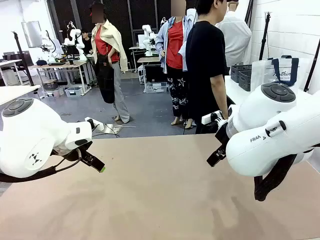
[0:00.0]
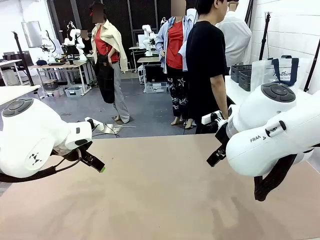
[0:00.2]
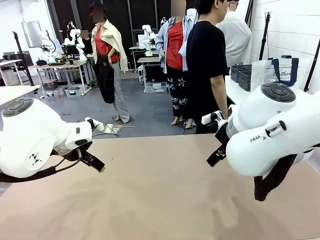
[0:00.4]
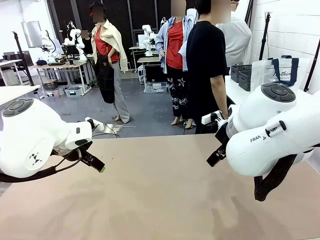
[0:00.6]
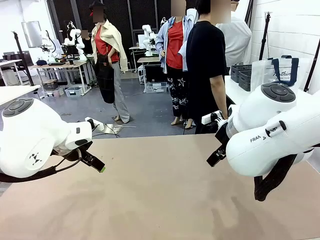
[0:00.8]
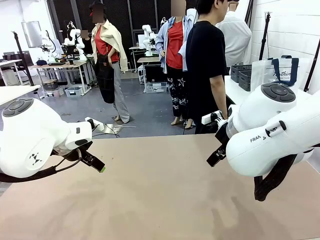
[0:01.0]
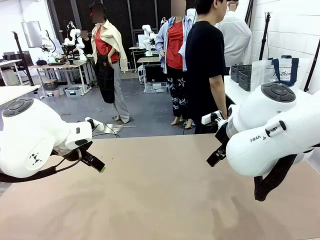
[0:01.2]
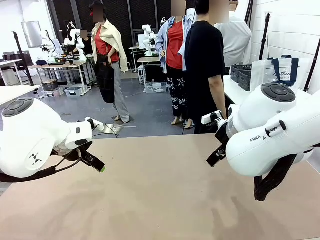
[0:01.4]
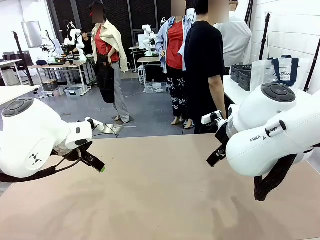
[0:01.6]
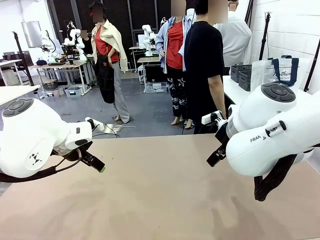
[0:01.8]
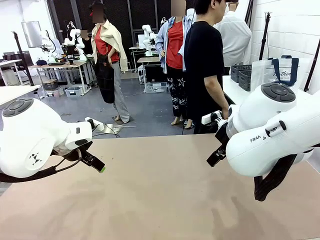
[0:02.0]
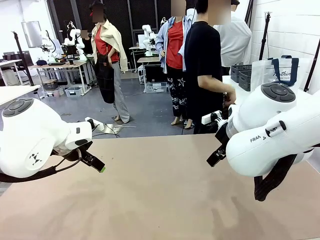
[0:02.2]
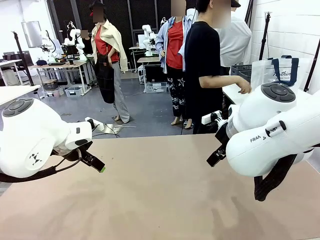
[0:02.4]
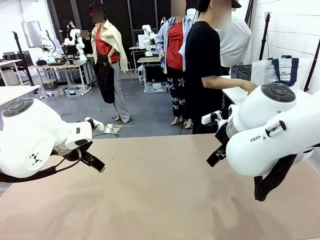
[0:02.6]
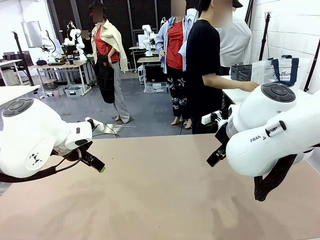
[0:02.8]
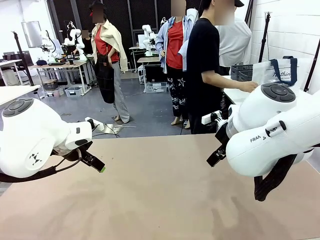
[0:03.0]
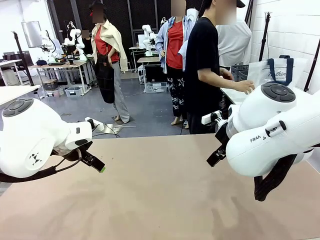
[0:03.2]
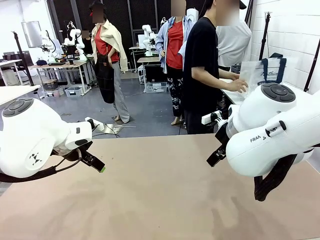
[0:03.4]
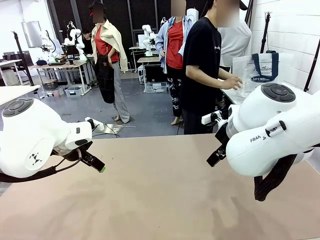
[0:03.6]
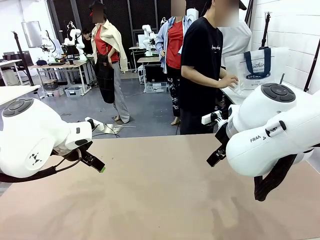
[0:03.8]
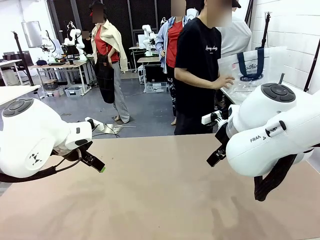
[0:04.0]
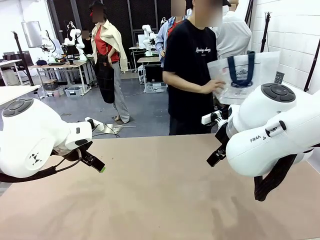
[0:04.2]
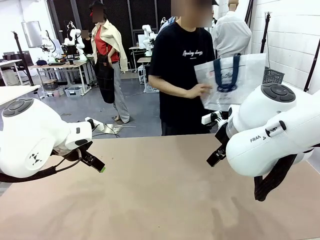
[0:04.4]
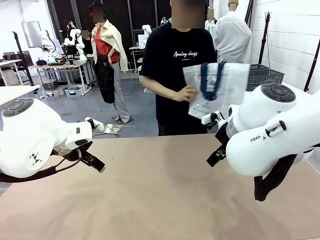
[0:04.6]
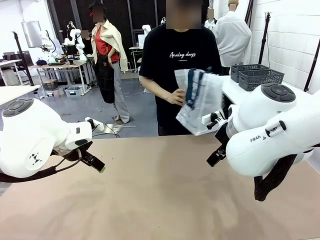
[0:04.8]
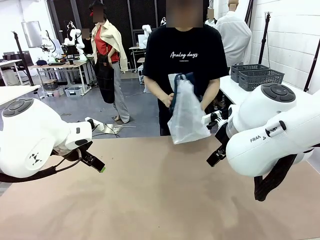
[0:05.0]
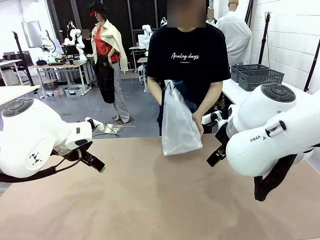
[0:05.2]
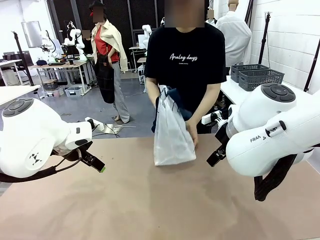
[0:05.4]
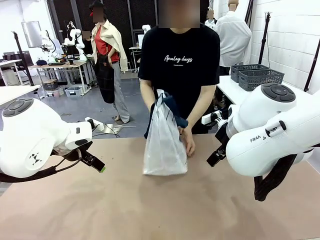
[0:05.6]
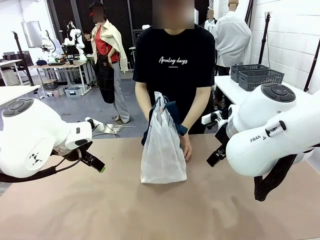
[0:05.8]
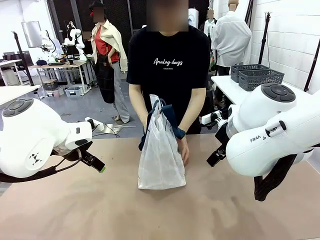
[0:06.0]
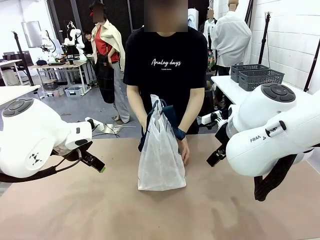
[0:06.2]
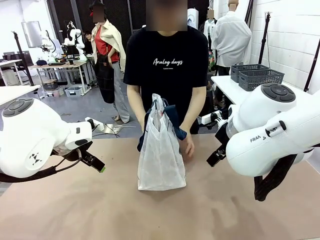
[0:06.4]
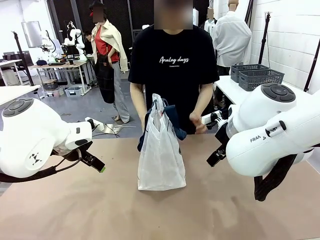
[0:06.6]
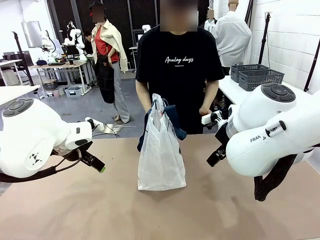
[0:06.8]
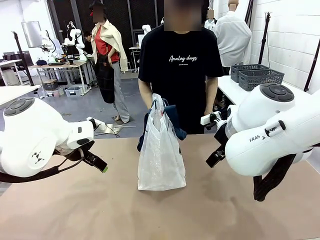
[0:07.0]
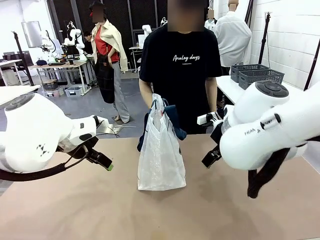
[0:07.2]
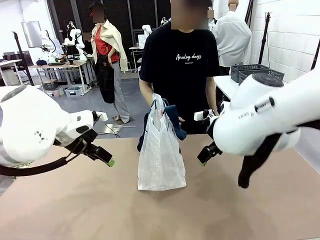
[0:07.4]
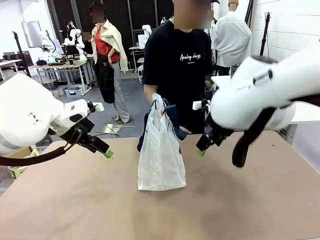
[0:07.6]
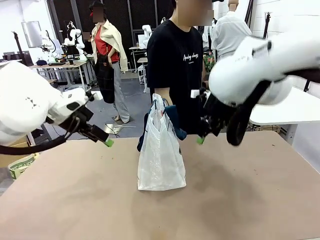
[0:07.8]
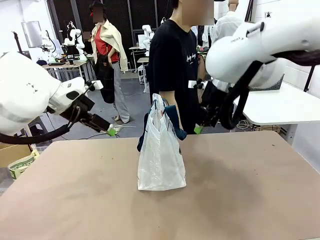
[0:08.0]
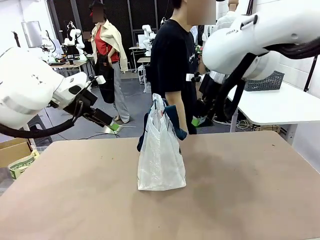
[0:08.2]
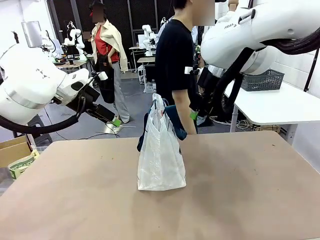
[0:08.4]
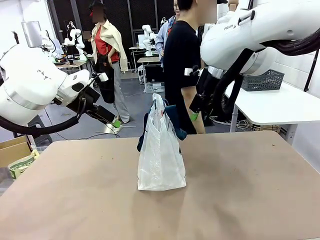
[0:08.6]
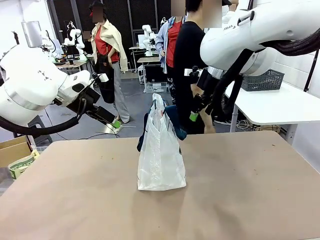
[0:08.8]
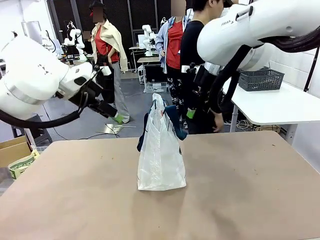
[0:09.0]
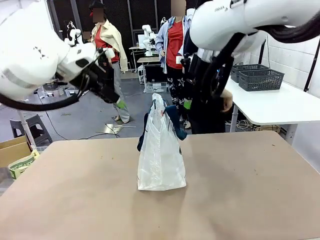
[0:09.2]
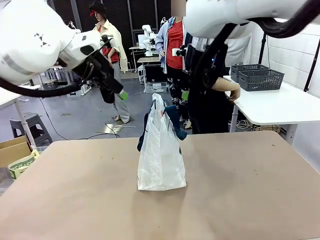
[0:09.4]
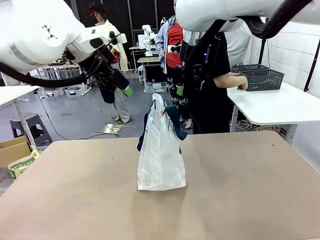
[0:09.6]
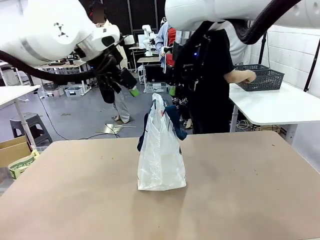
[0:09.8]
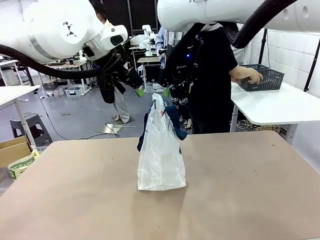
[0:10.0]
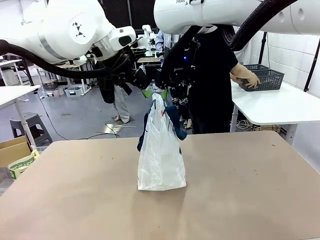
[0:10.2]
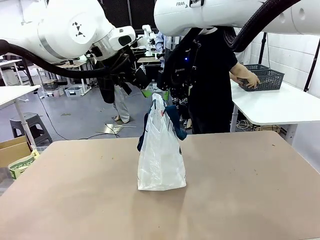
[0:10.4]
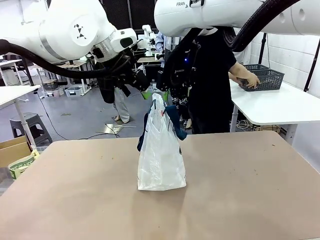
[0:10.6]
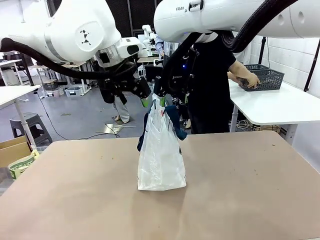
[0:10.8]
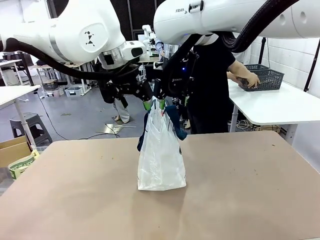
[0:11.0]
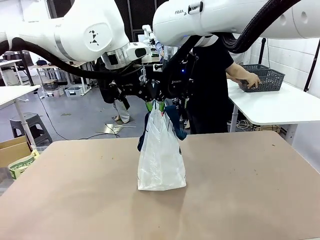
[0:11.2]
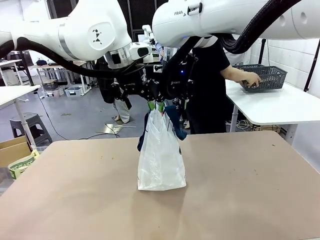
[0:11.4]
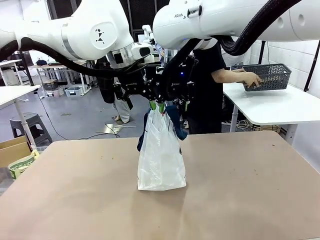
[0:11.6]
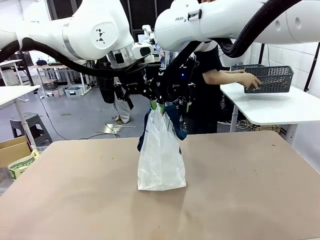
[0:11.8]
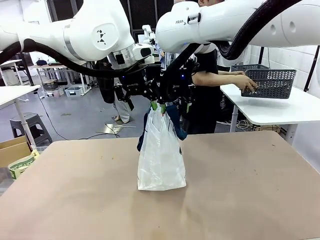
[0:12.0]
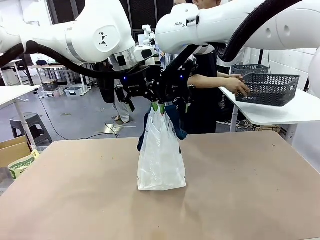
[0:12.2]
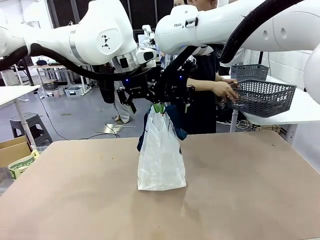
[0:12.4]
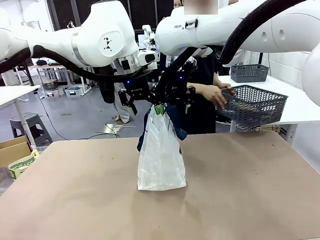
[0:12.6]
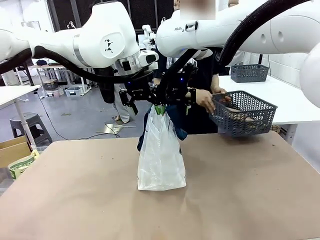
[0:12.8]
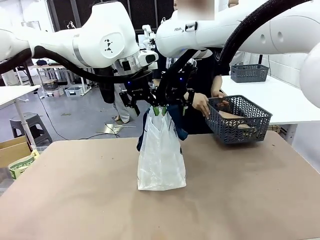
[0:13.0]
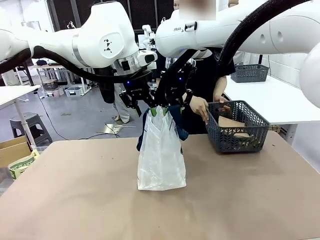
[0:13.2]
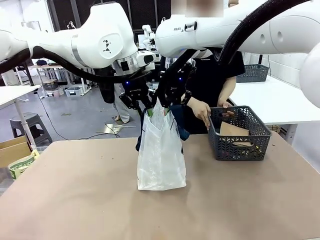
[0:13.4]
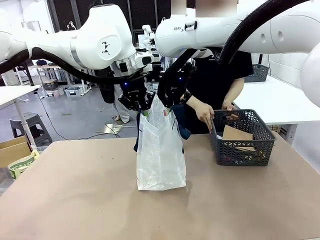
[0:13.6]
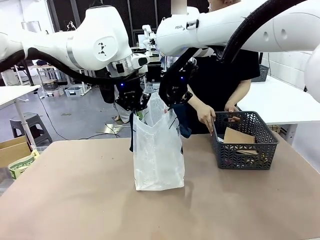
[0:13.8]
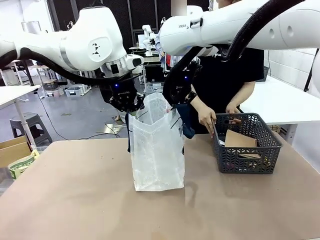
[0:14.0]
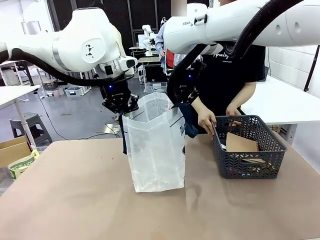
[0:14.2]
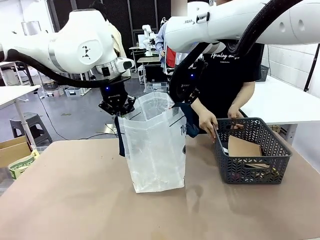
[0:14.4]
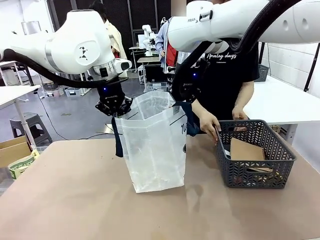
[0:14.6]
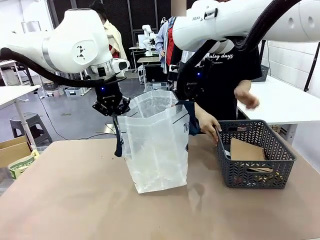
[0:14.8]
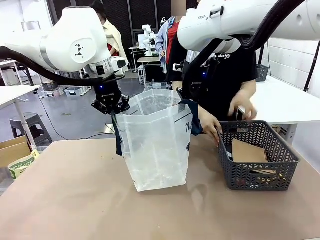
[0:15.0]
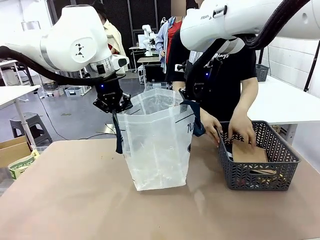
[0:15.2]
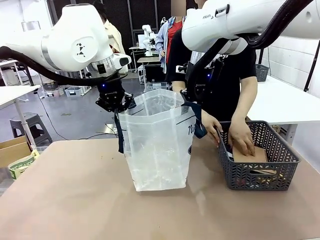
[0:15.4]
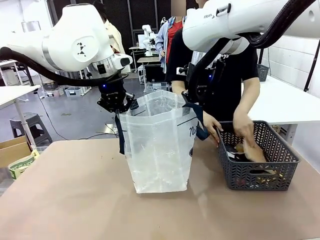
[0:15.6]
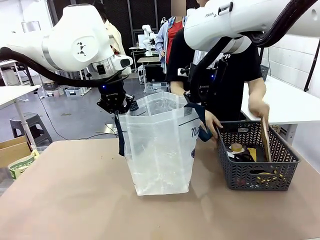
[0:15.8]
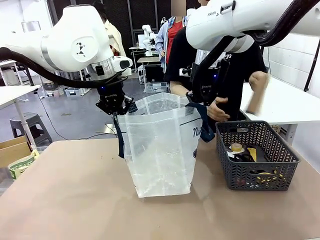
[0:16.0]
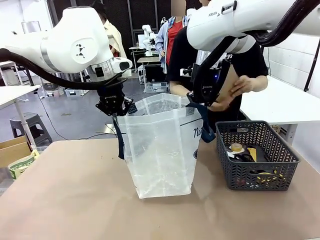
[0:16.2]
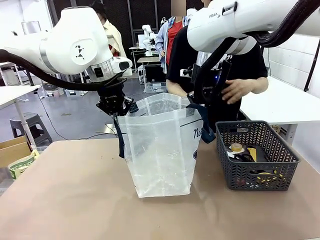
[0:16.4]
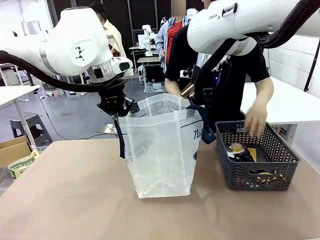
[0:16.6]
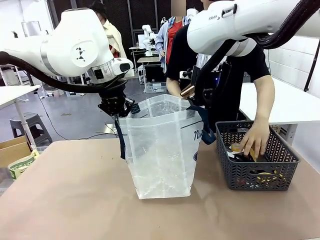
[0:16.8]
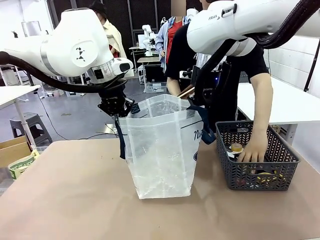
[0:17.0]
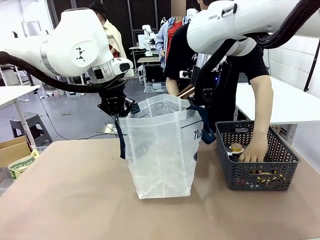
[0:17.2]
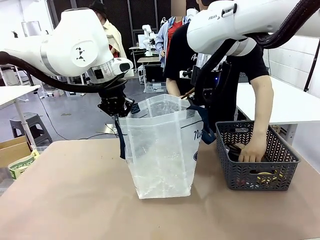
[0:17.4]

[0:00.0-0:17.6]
Task: Transfer purchased items from the store into the shopping bag.
Robot: Open the Reusable shopping bag in the center of the table.
Person: Pick up the shopping bag and place it in the middle of the robot table.
